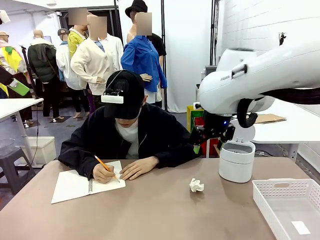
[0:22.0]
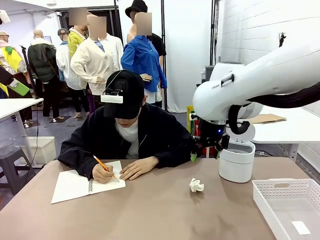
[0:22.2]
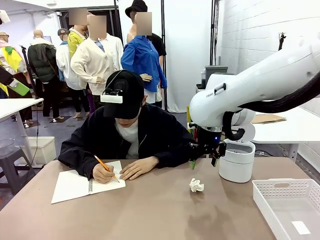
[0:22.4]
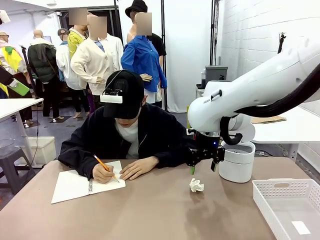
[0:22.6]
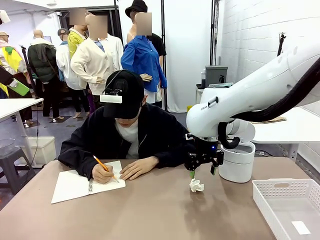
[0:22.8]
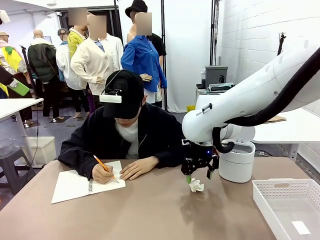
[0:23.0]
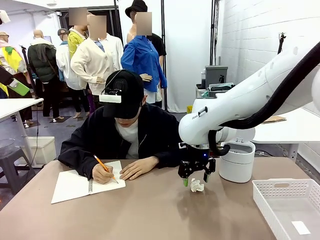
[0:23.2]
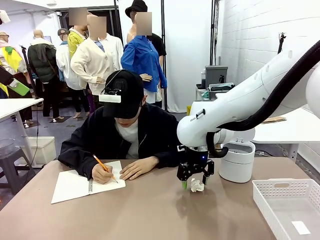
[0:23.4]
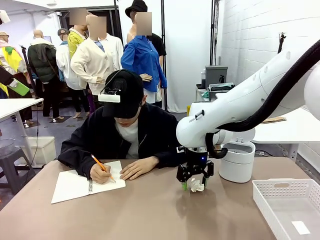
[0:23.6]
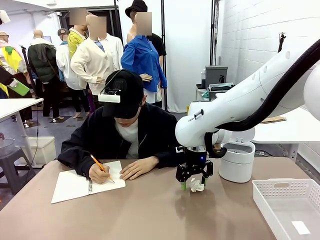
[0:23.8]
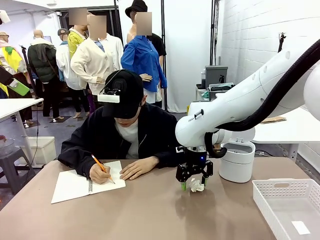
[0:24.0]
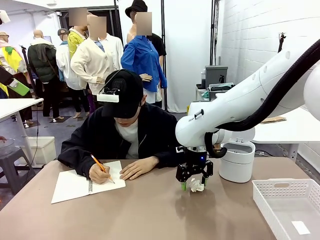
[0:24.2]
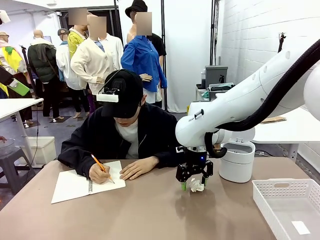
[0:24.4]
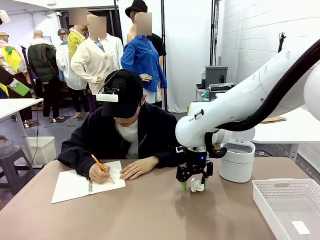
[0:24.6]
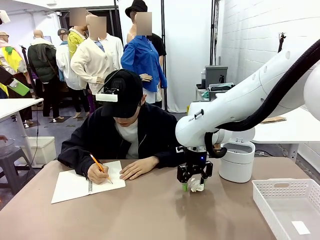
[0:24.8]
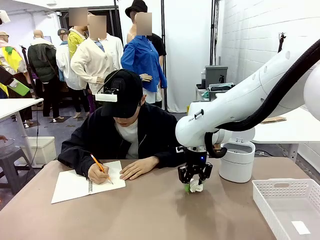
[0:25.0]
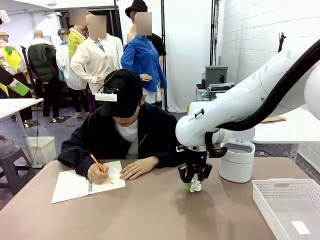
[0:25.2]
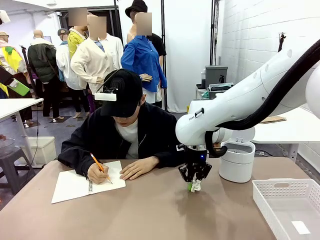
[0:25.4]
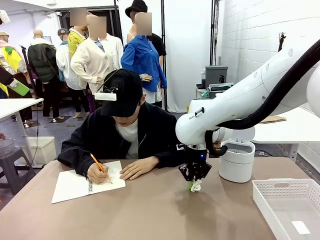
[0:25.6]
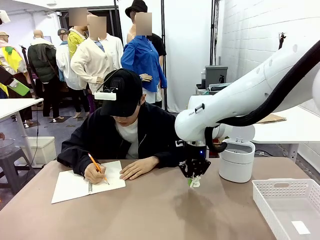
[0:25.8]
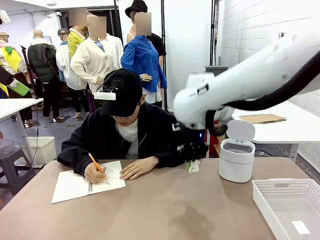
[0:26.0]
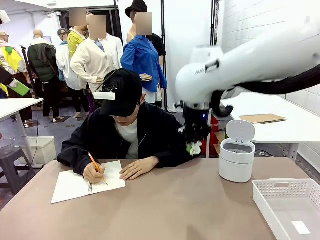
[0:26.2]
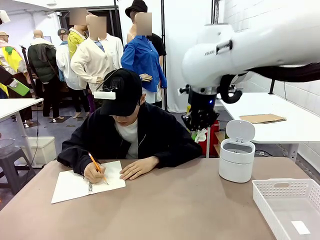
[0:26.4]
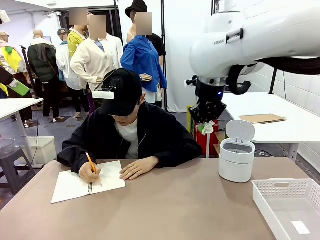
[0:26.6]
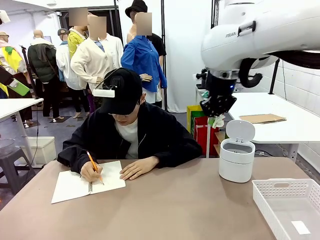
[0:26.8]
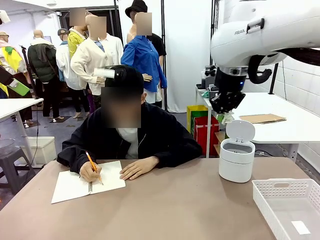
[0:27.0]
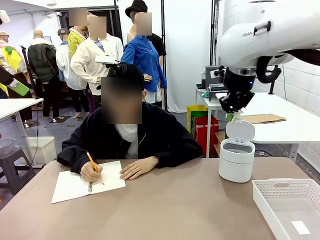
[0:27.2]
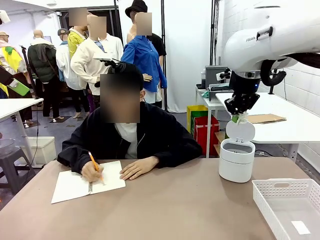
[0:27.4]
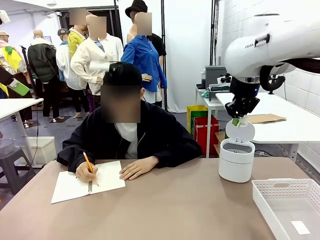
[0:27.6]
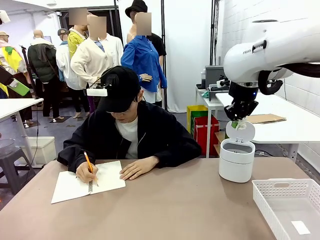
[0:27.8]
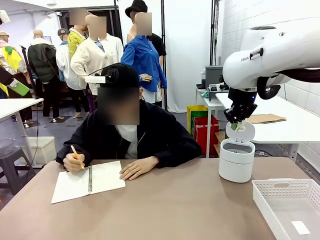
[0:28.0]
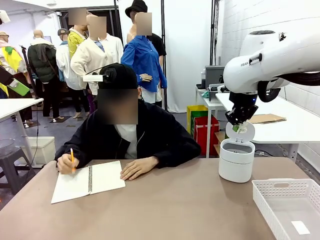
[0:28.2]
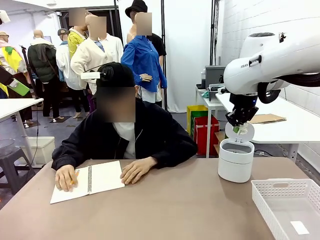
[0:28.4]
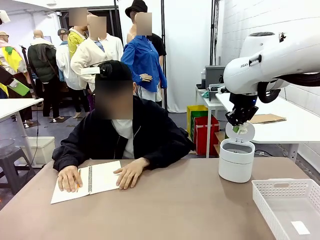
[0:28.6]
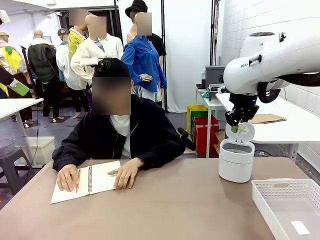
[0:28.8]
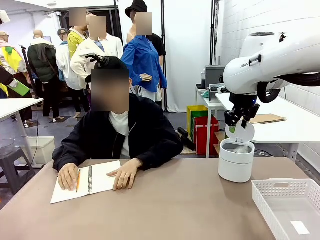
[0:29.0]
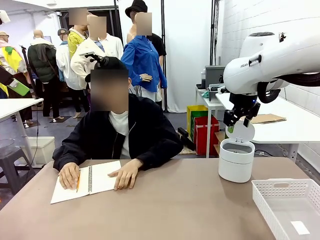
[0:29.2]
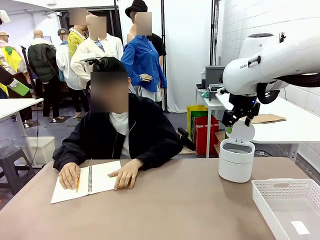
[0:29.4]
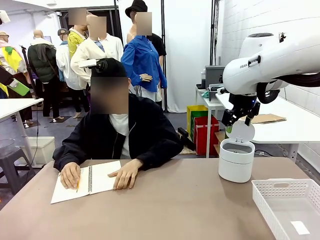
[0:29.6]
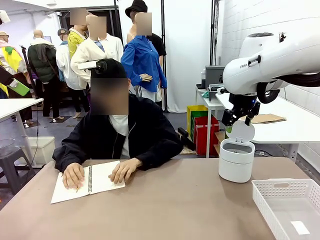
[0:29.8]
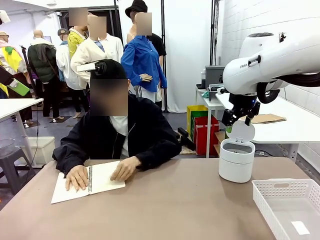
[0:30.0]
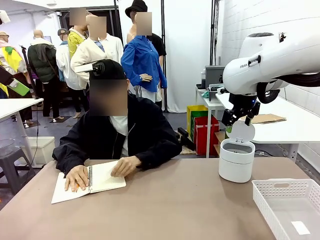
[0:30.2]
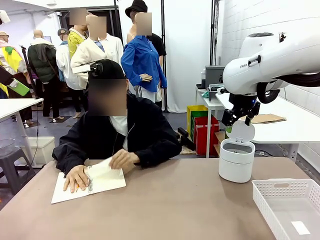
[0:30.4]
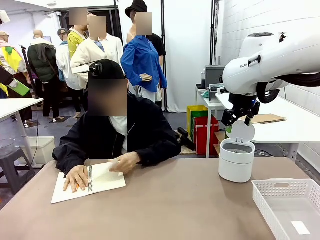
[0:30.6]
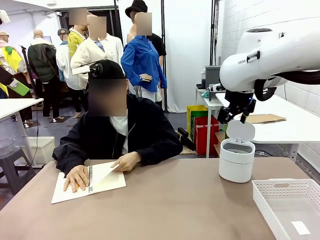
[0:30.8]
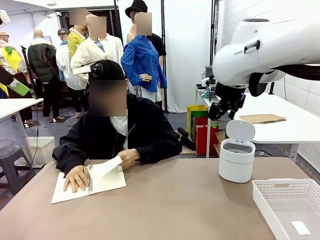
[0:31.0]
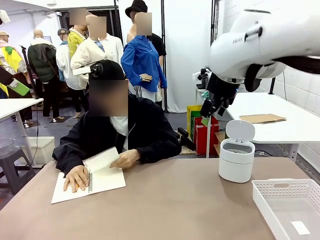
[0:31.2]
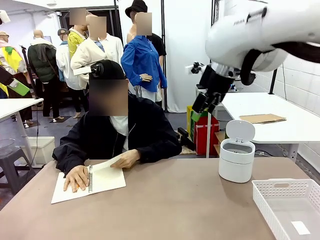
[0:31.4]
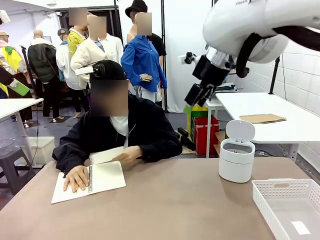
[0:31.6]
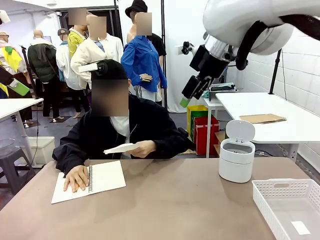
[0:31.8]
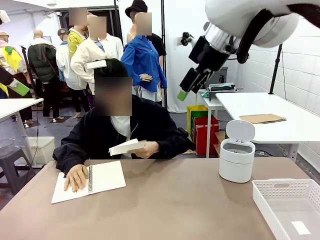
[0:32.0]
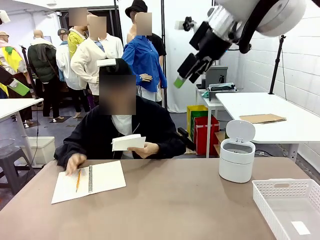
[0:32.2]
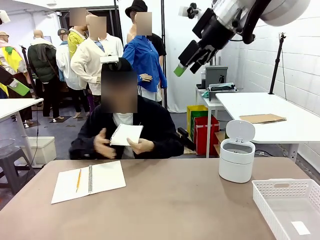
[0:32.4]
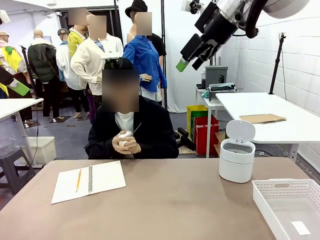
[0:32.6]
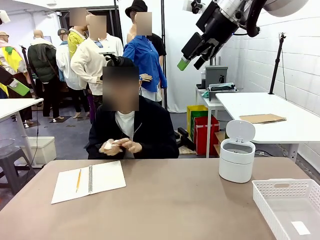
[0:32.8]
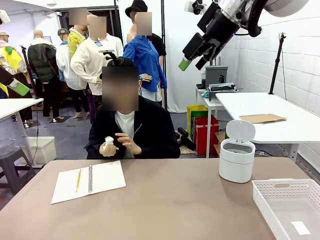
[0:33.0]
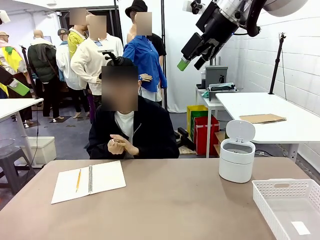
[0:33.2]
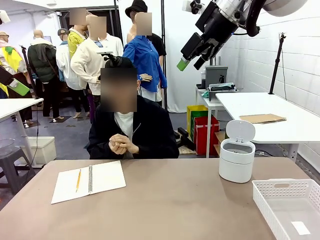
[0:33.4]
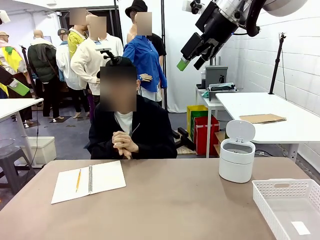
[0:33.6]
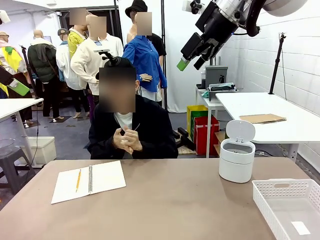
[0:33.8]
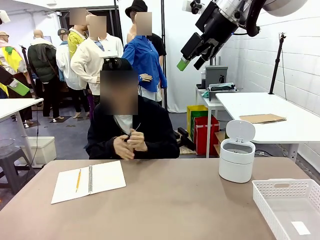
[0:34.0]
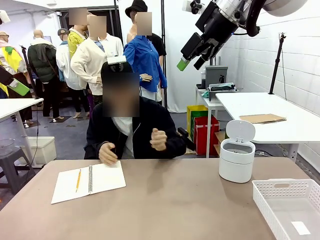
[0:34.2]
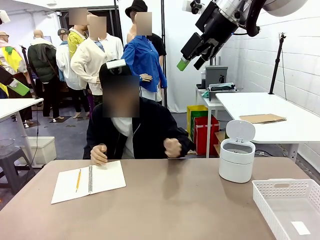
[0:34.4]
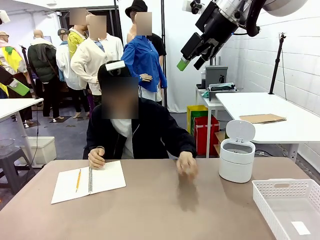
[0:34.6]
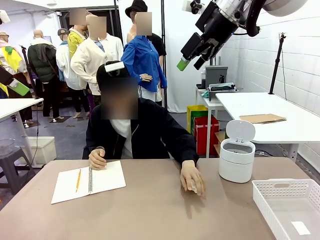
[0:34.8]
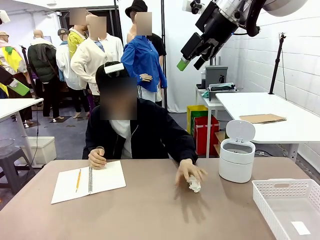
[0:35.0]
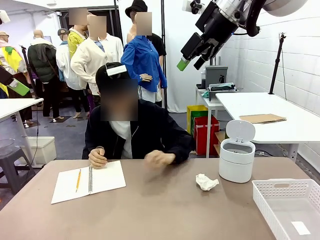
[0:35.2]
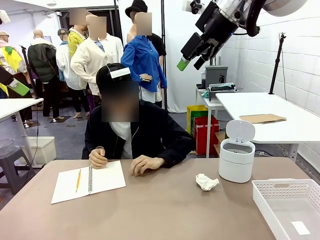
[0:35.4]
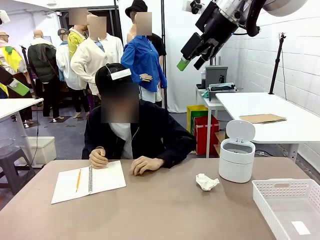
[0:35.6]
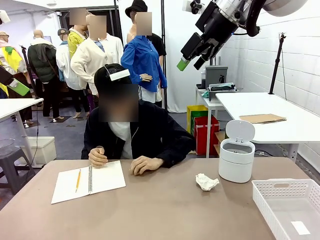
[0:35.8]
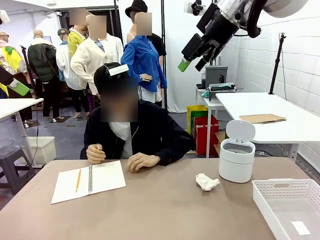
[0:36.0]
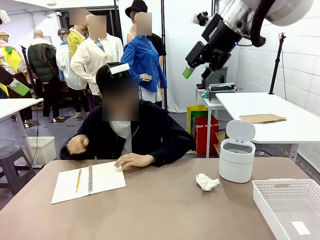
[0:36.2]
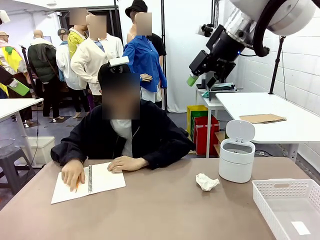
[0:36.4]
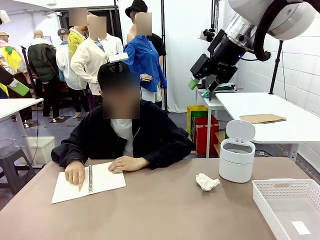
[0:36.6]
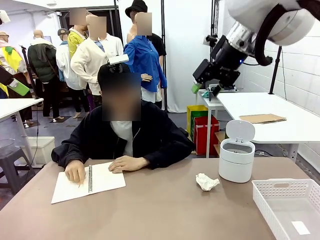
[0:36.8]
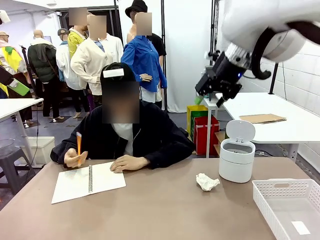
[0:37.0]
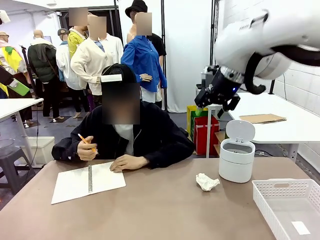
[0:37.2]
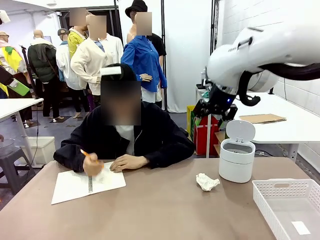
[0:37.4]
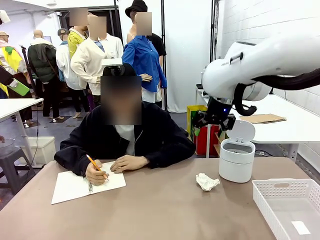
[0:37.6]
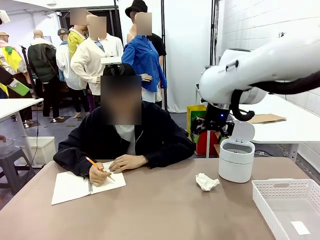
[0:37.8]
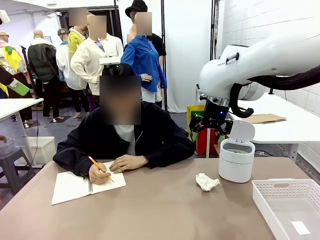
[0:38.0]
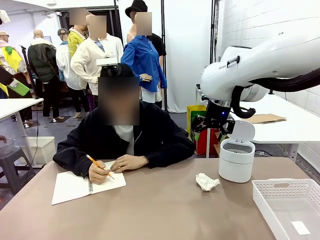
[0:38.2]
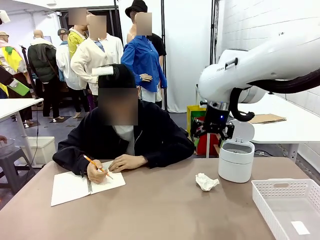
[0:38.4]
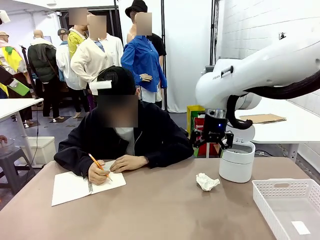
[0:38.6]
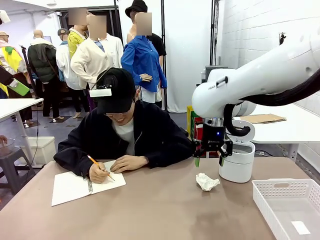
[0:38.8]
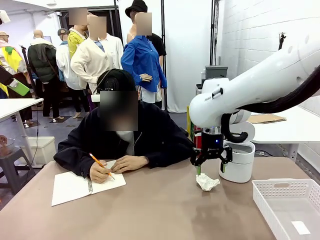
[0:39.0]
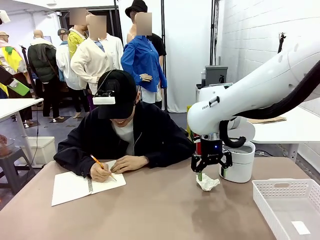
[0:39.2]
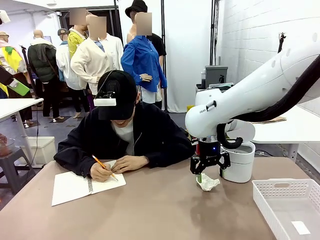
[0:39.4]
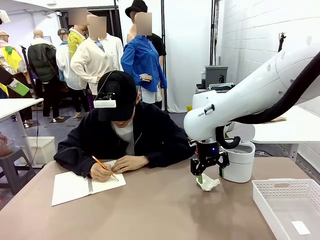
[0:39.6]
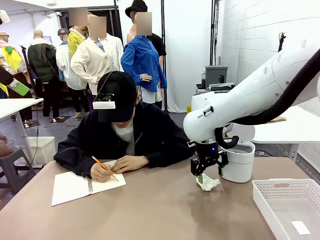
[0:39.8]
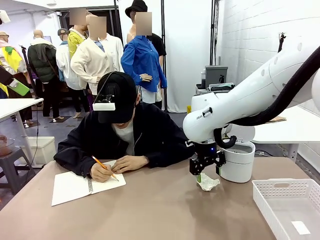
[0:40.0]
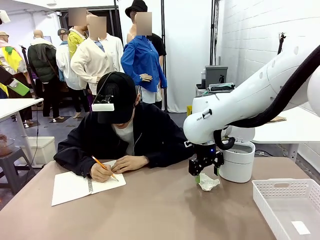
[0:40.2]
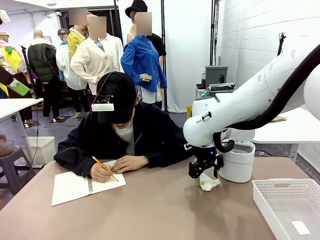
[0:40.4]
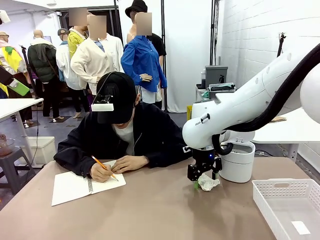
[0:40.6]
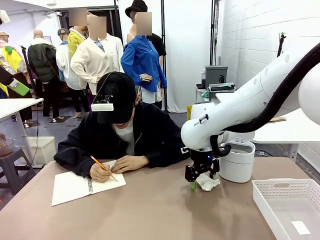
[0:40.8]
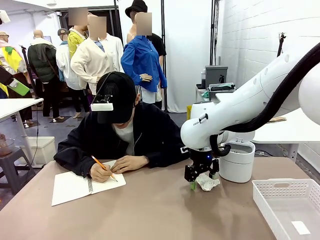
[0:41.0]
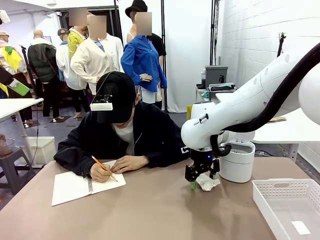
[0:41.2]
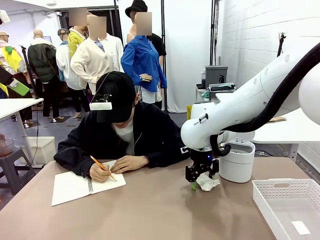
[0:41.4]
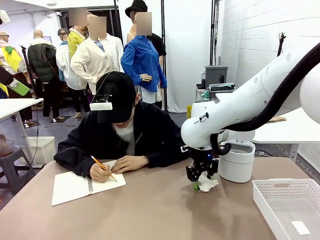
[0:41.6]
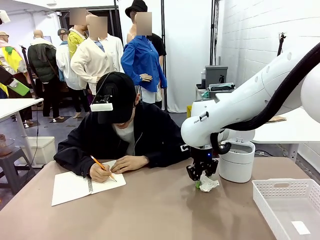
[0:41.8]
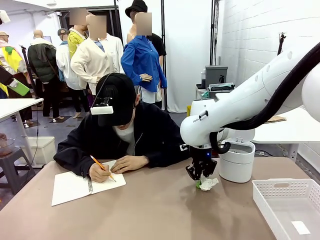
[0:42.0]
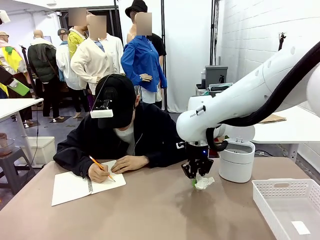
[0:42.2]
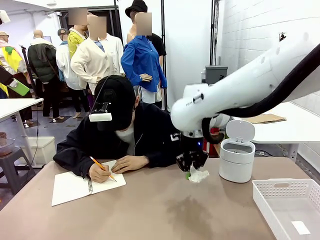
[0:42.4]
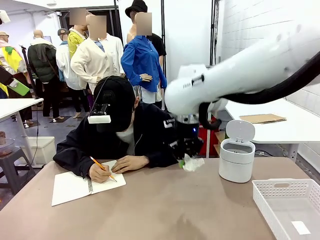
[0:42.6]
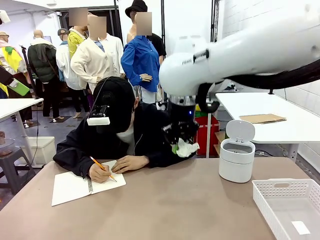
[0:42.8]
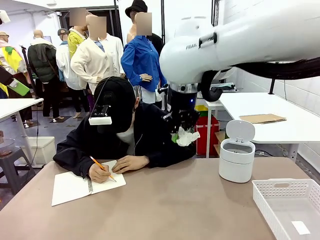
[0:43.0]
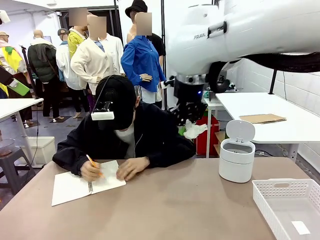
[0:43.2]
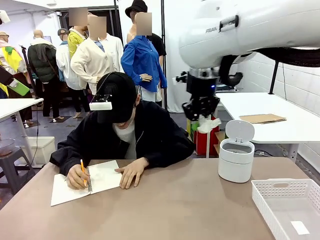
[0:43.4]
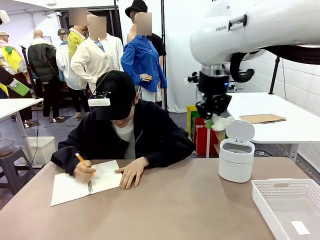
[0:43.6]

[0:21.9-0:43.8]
Task: Sort the paper based on its condition.
Robot: If a person hands you a paper, place it in the Organizing basket , and if it's crumpled, put it in the Trash can.
Person: Tear out a page from the spiral notebook. Hand the torn page to the robot or crumple it and throw it to the center of the table. Tear out a page from the spiral notebook.
